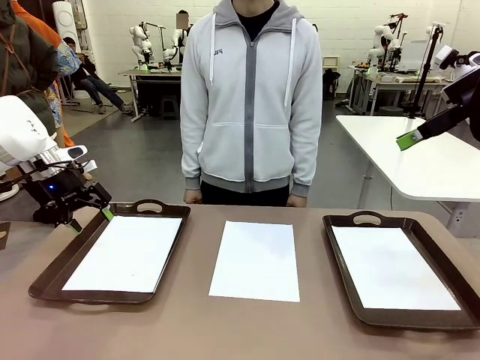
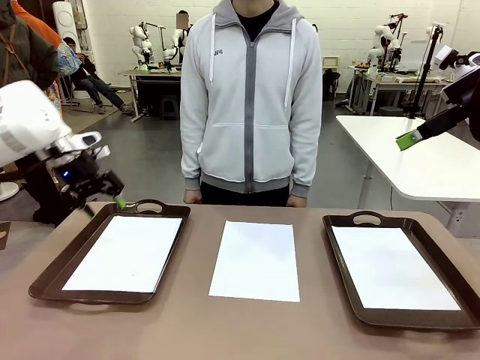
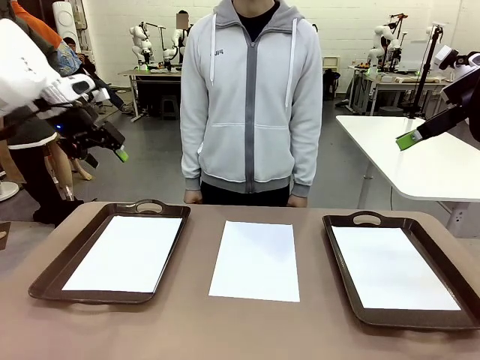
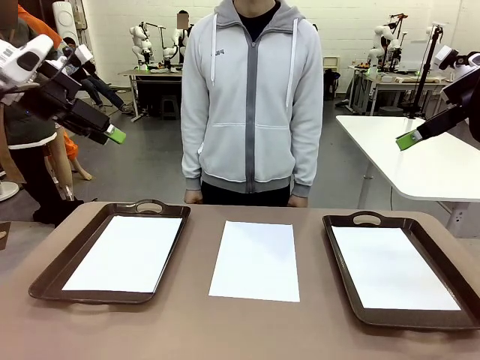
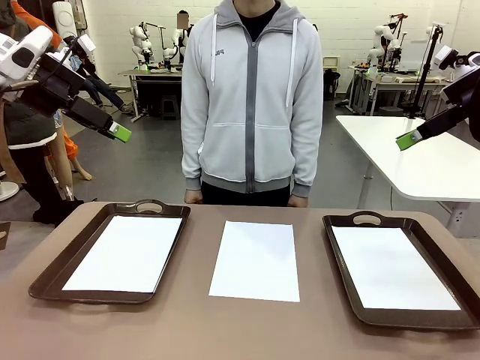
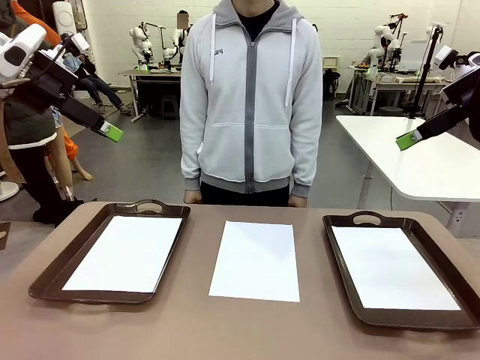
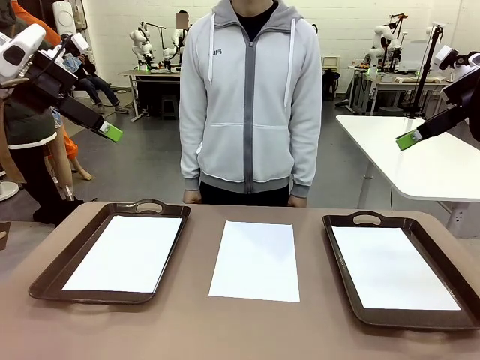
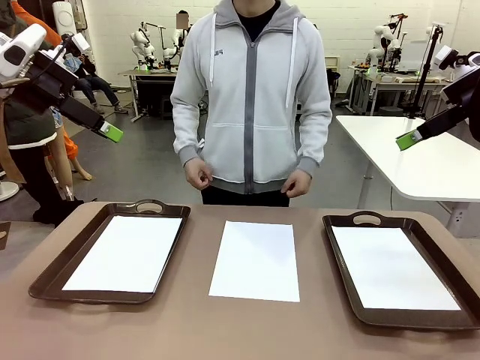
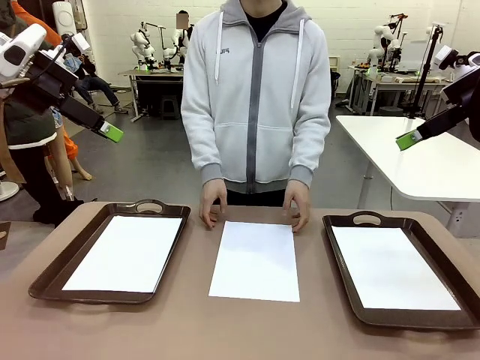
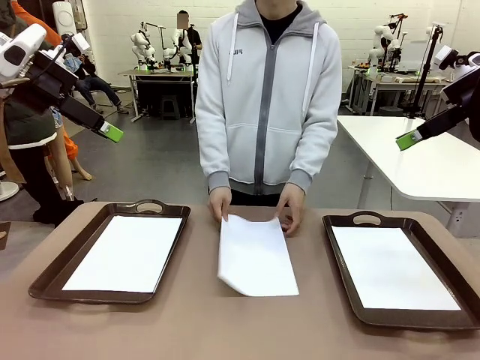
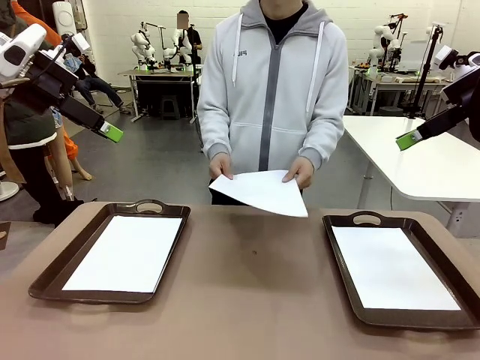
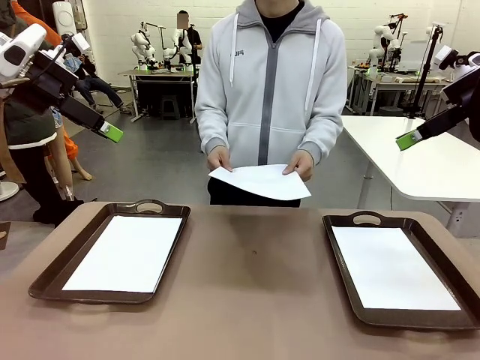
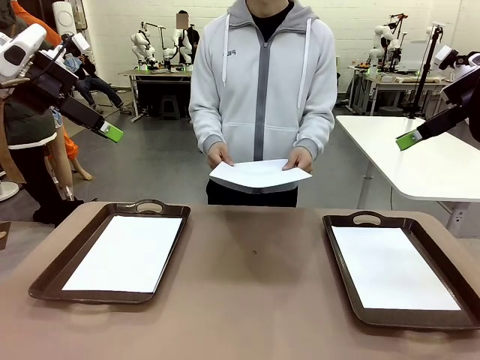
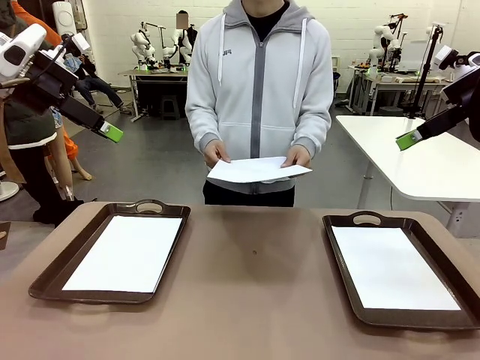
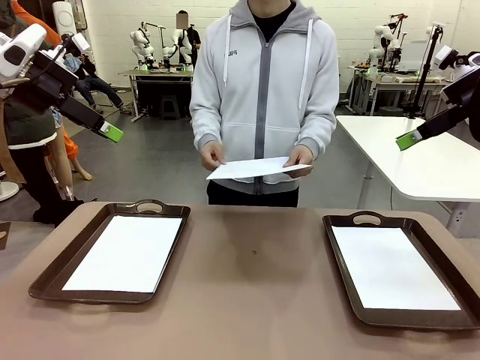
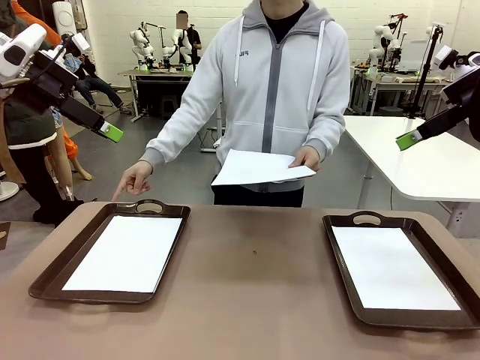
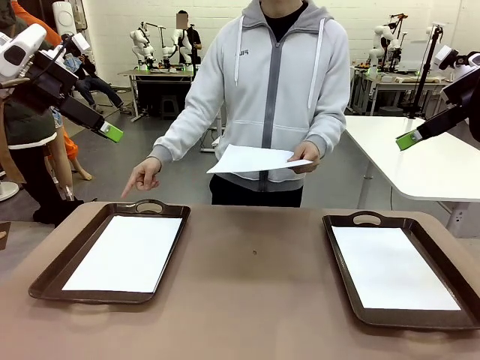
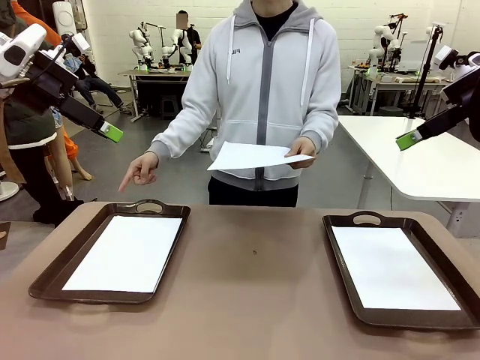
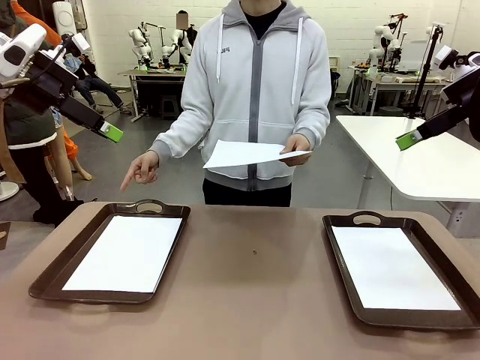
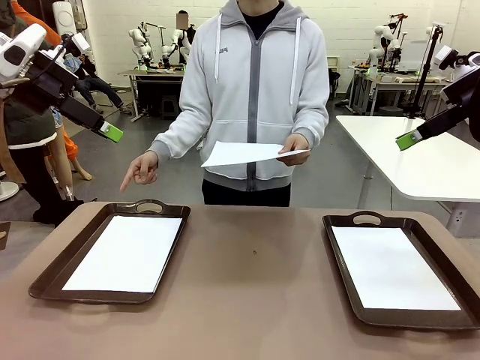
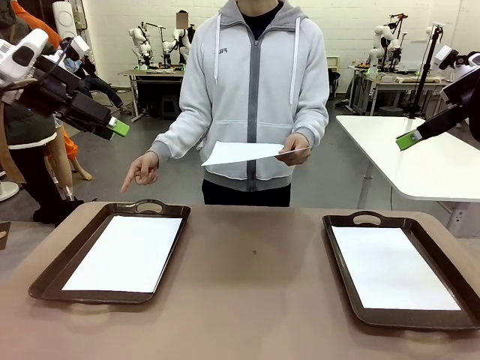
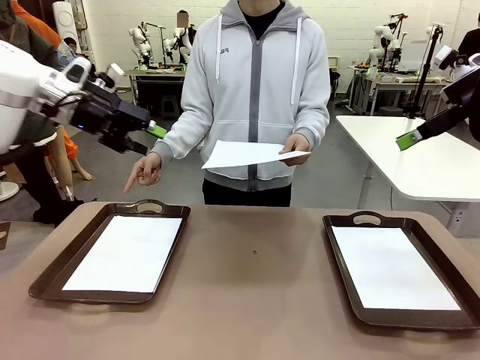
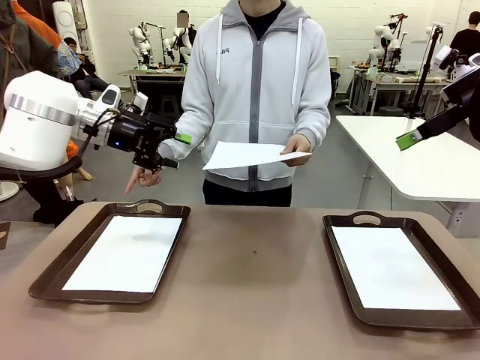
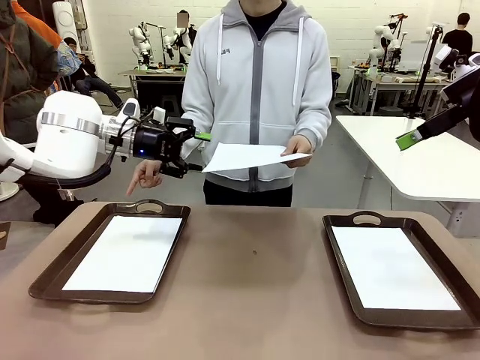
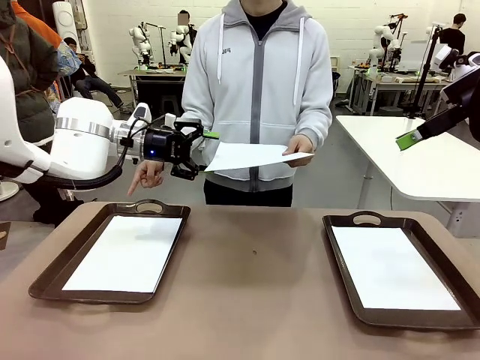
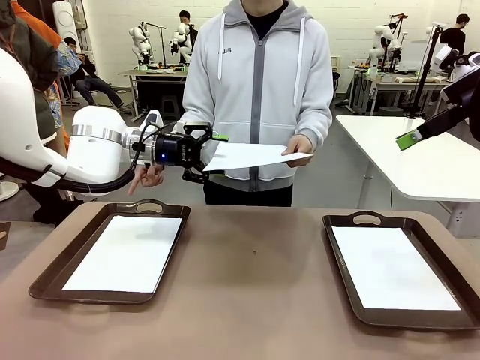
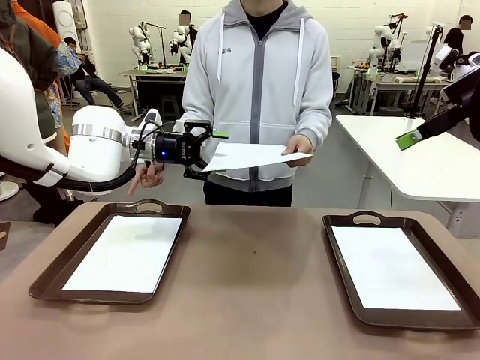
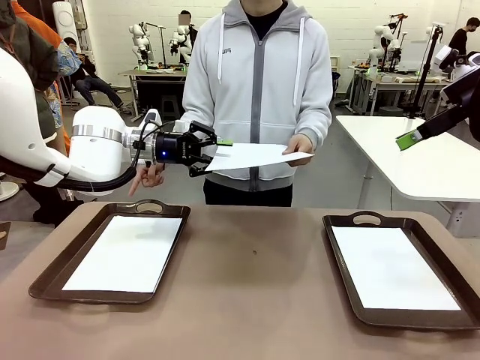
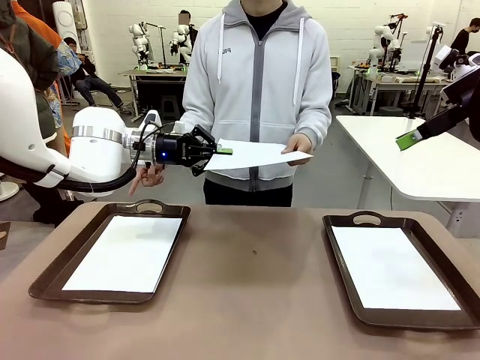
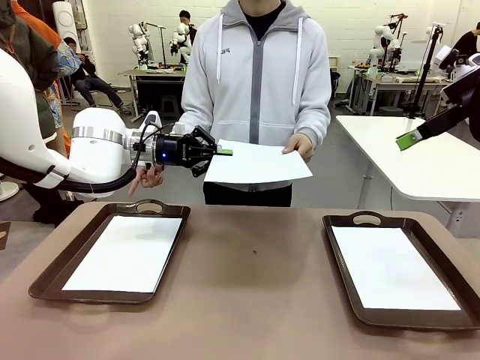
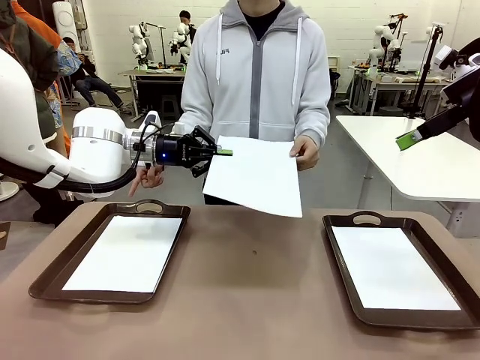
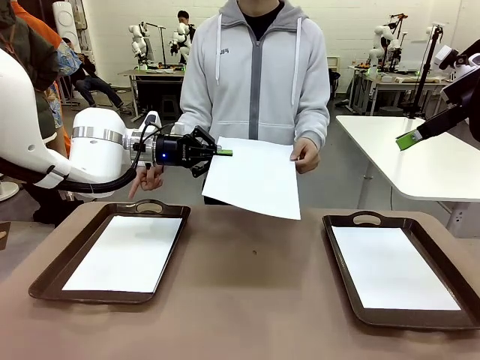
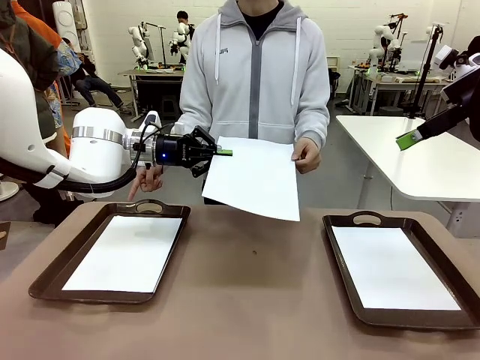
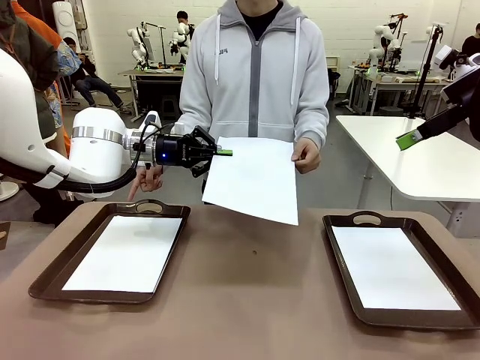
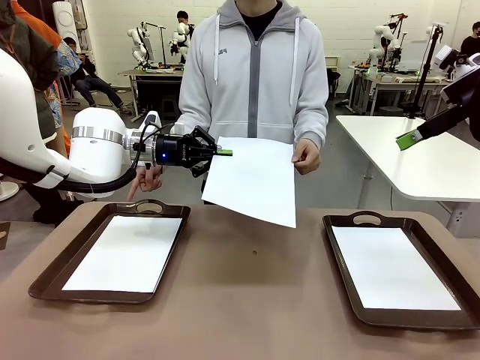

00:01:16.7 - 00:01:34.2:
Task: Sort the A4 documents.
Robot: Receive the A4 Paper.
Person: Point the randomly selected tray with the other hand.

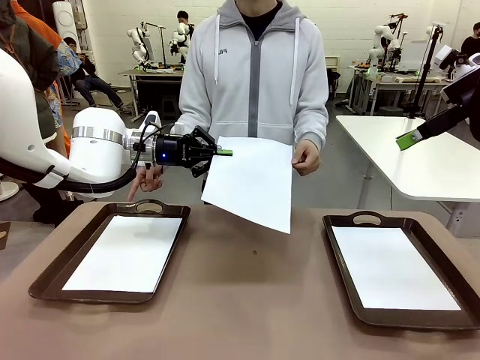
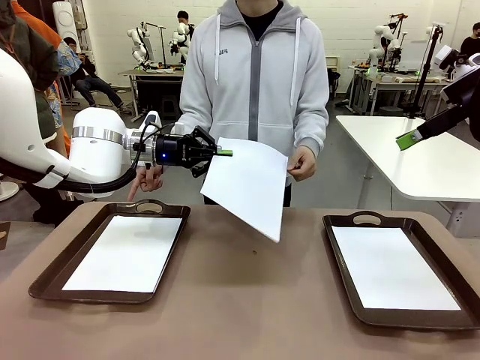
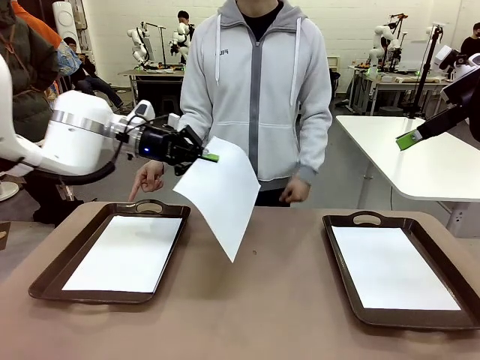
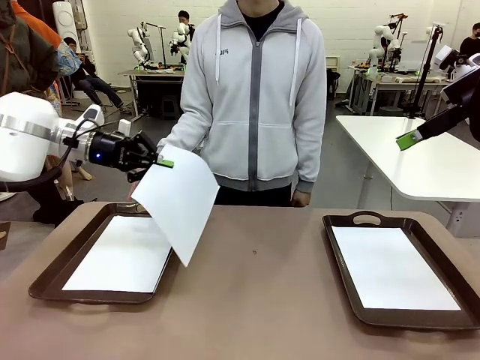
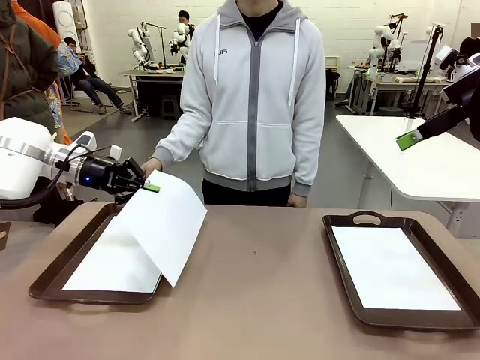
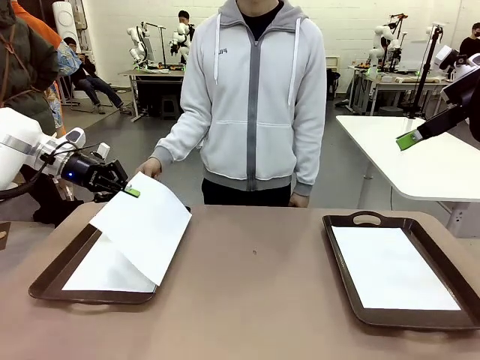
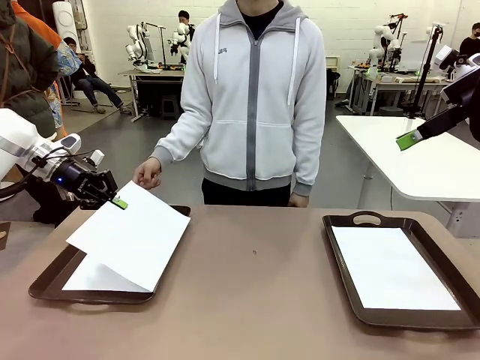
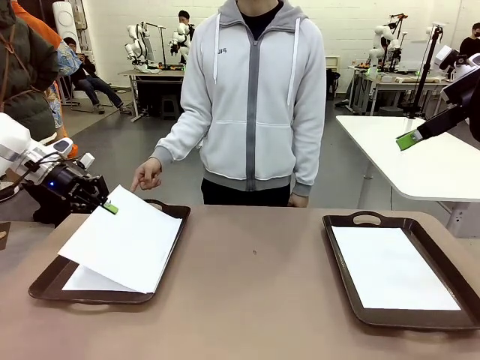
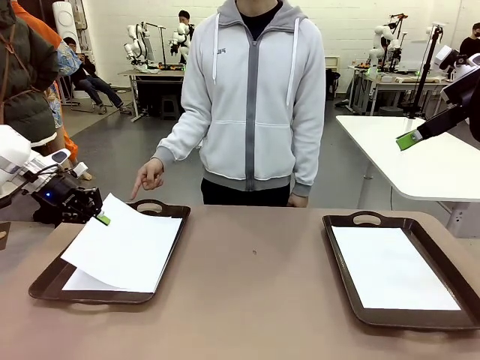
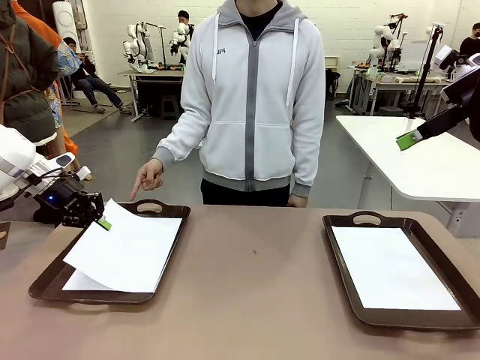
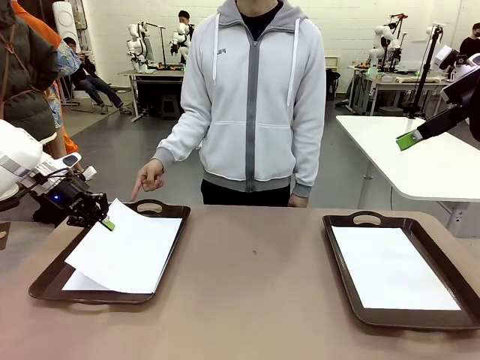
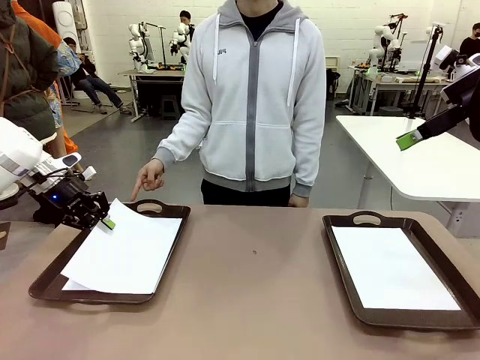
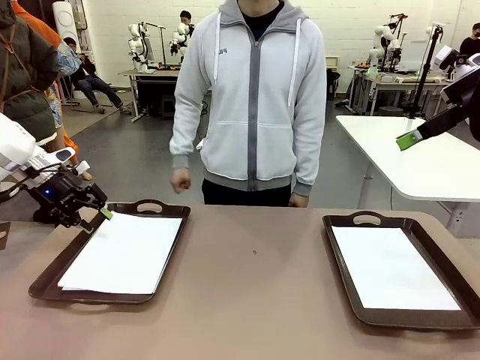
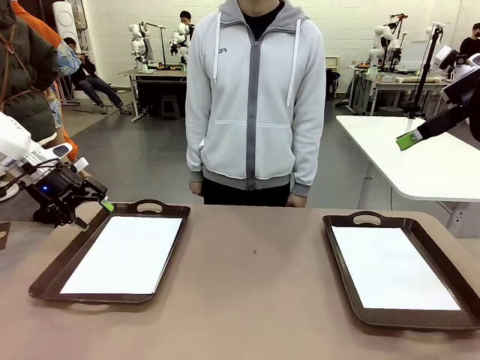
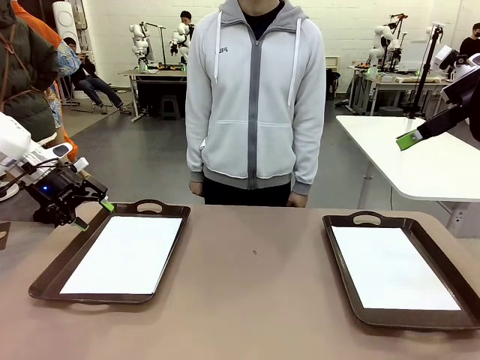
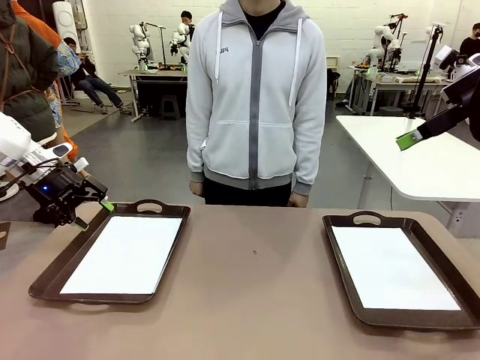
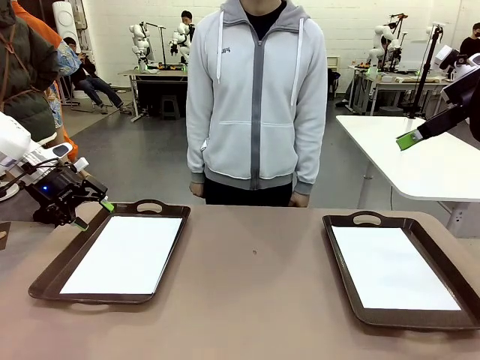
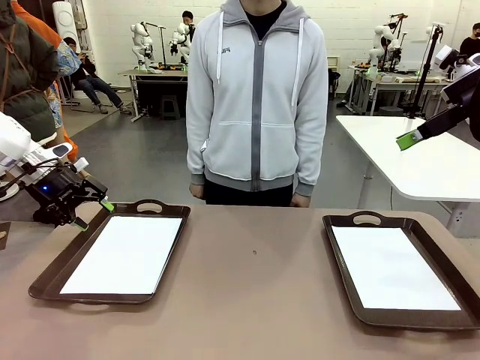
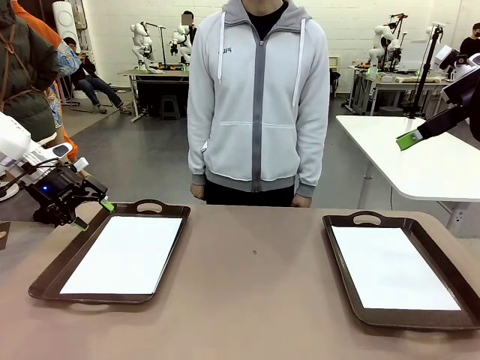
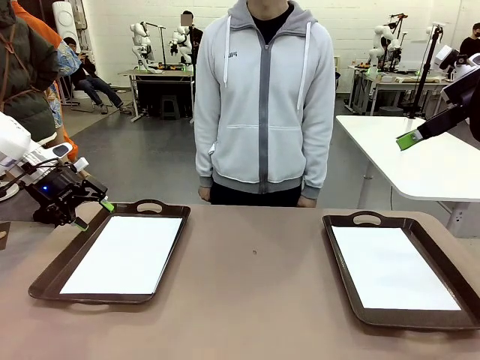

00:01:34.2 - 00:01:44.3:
Robot: Place the A4 Paper in the designated Handle tray.
